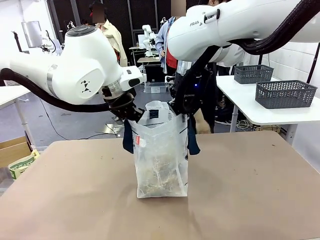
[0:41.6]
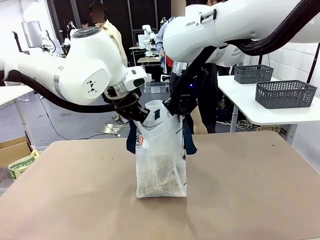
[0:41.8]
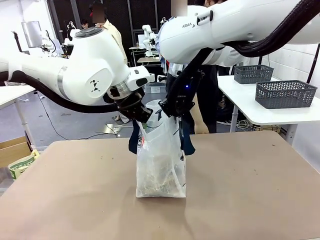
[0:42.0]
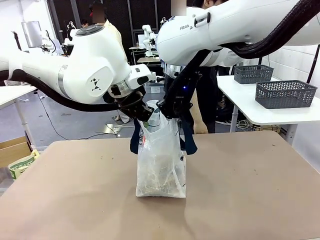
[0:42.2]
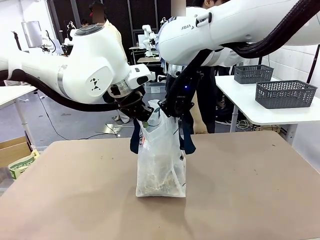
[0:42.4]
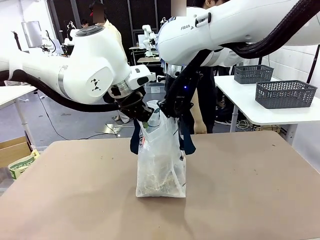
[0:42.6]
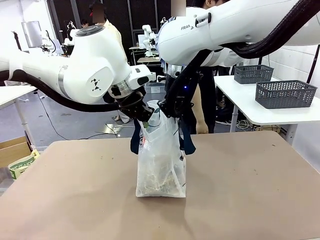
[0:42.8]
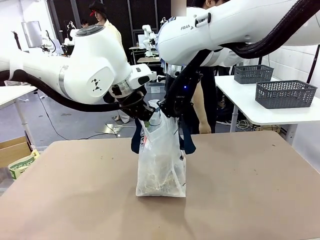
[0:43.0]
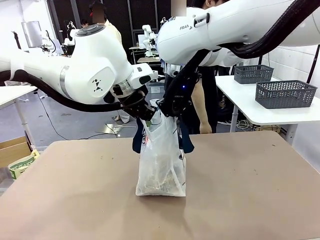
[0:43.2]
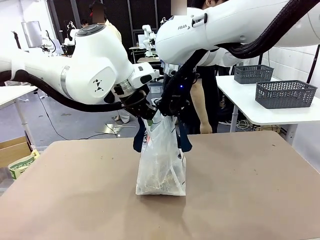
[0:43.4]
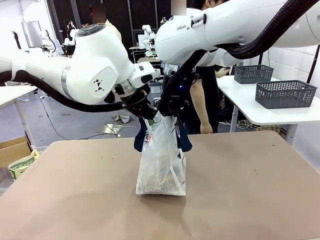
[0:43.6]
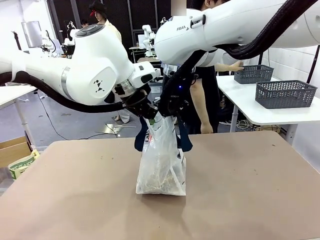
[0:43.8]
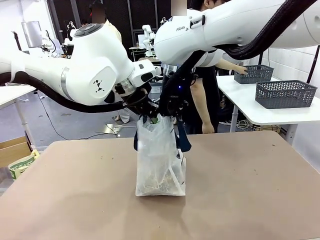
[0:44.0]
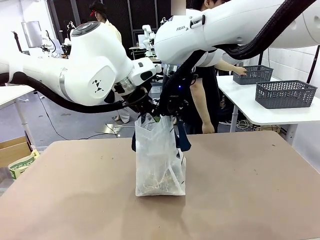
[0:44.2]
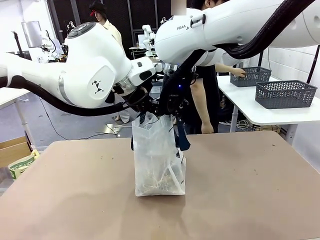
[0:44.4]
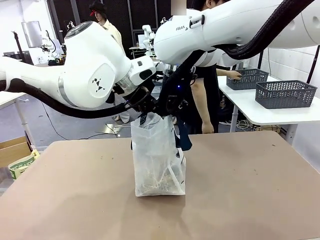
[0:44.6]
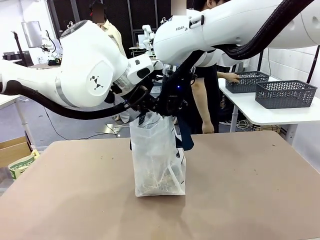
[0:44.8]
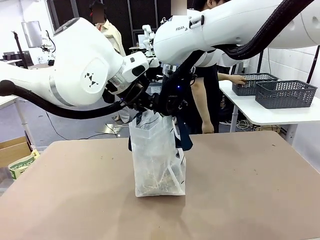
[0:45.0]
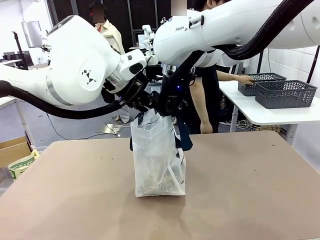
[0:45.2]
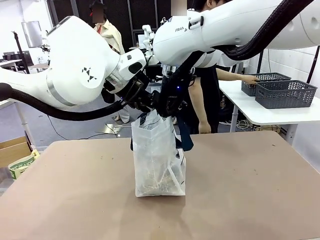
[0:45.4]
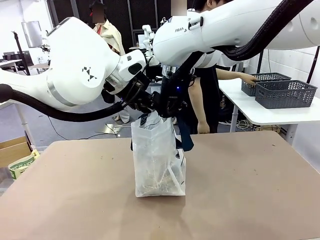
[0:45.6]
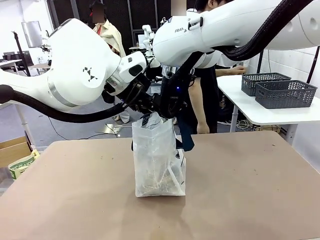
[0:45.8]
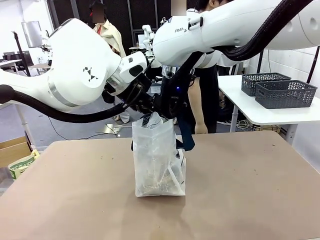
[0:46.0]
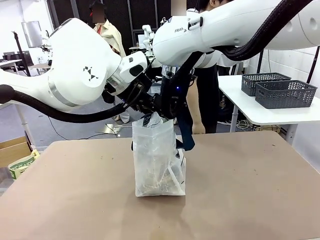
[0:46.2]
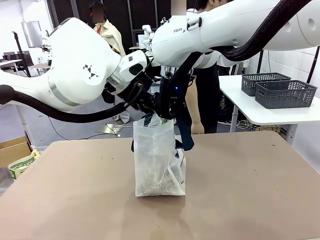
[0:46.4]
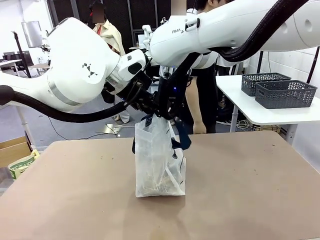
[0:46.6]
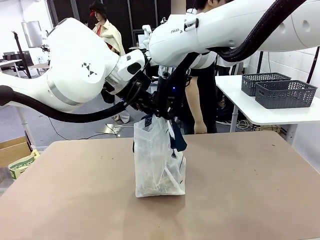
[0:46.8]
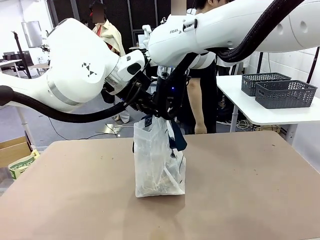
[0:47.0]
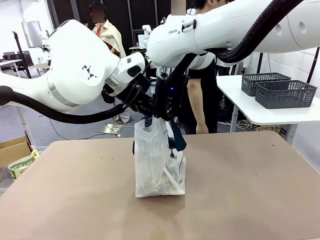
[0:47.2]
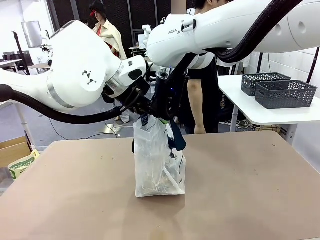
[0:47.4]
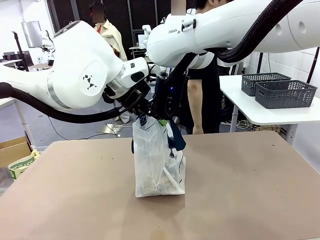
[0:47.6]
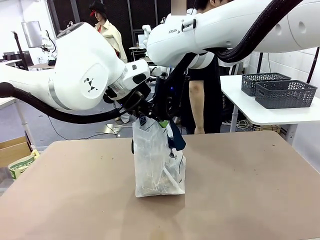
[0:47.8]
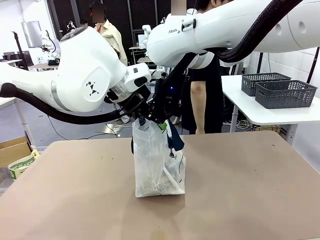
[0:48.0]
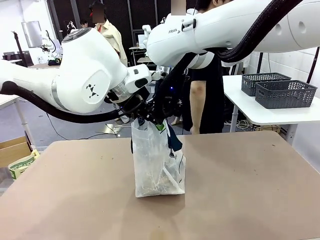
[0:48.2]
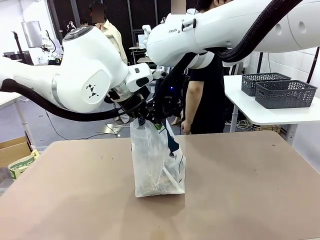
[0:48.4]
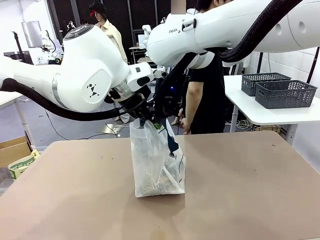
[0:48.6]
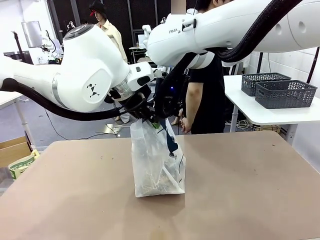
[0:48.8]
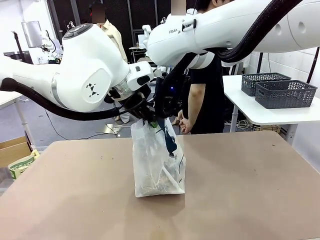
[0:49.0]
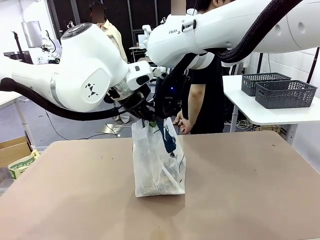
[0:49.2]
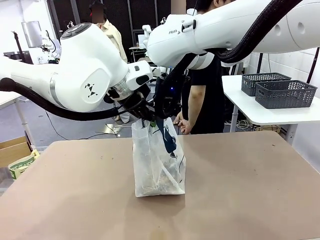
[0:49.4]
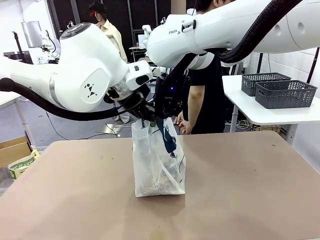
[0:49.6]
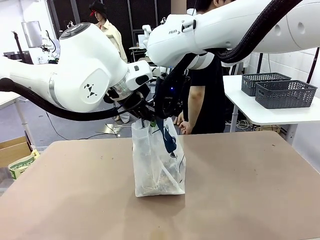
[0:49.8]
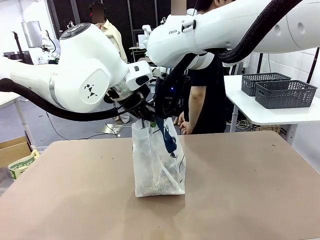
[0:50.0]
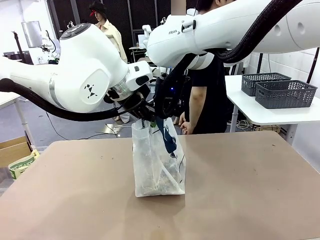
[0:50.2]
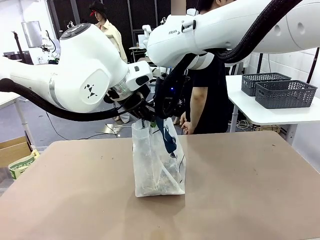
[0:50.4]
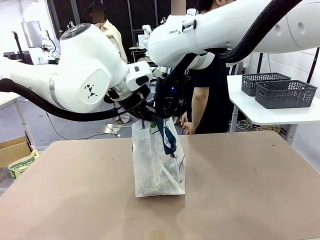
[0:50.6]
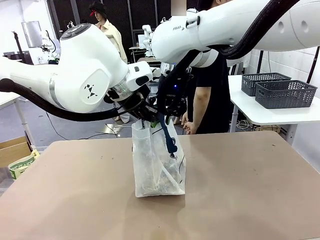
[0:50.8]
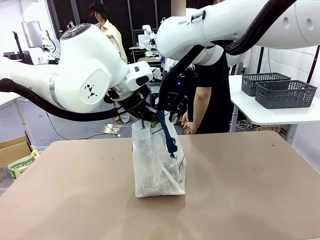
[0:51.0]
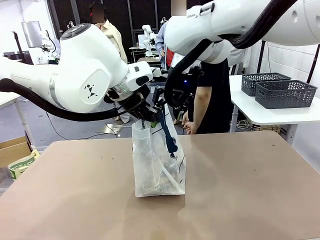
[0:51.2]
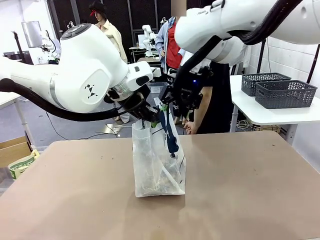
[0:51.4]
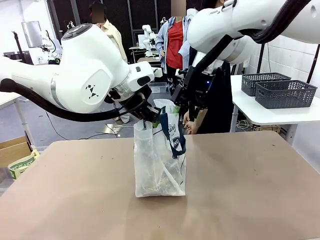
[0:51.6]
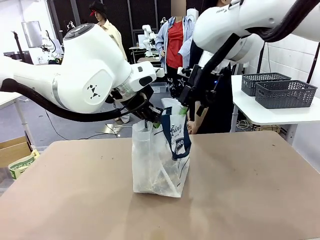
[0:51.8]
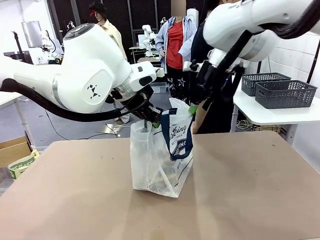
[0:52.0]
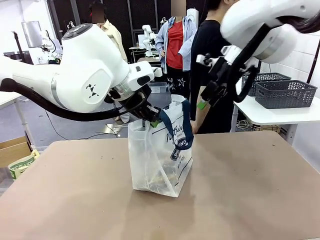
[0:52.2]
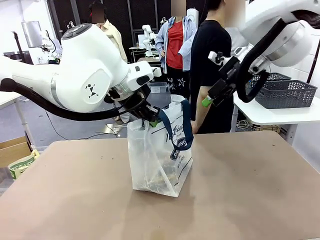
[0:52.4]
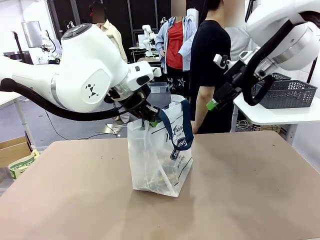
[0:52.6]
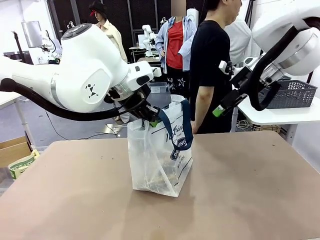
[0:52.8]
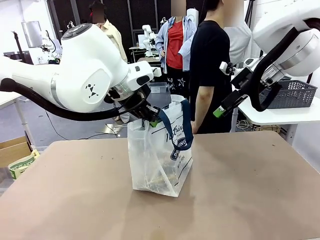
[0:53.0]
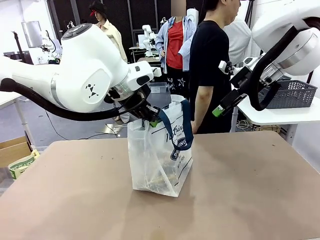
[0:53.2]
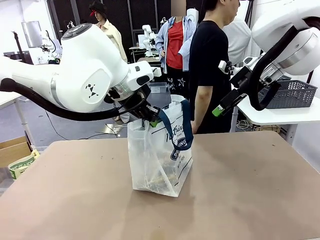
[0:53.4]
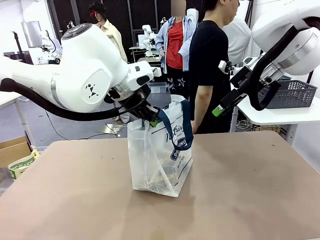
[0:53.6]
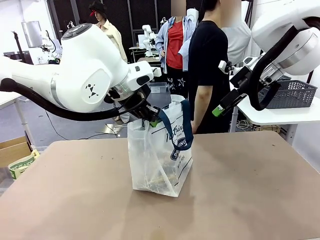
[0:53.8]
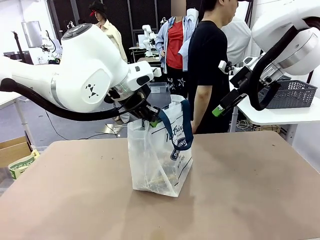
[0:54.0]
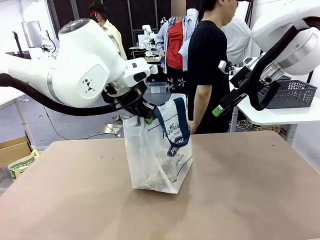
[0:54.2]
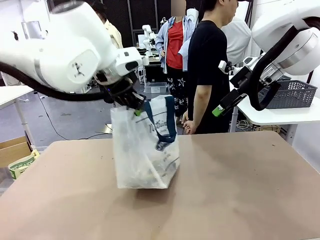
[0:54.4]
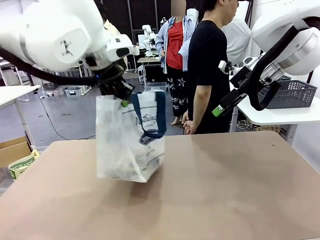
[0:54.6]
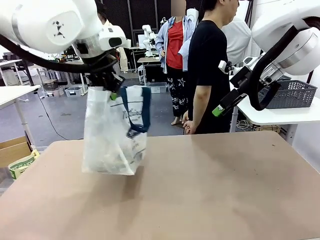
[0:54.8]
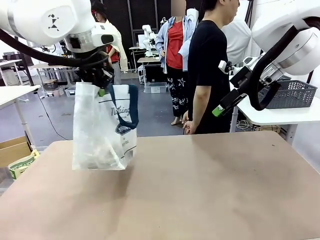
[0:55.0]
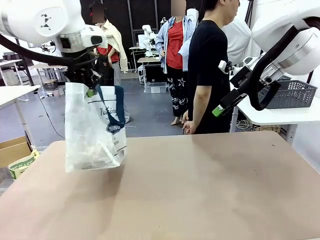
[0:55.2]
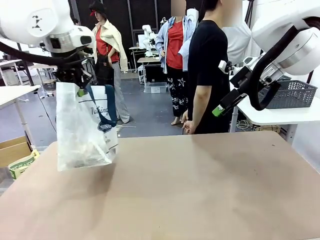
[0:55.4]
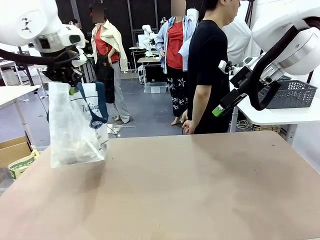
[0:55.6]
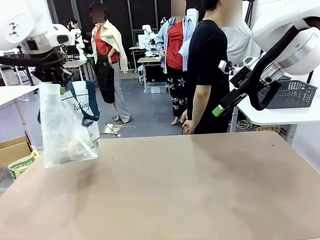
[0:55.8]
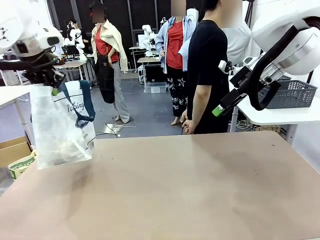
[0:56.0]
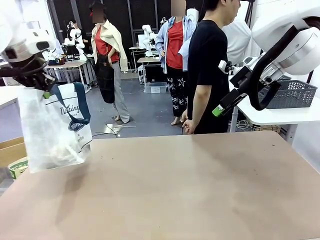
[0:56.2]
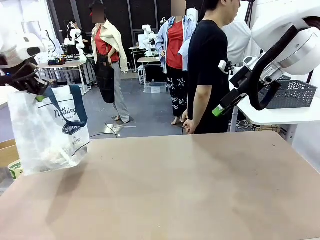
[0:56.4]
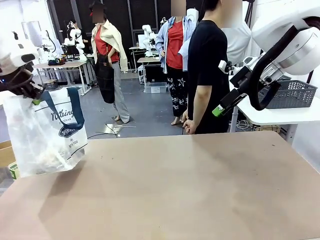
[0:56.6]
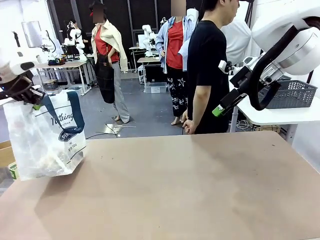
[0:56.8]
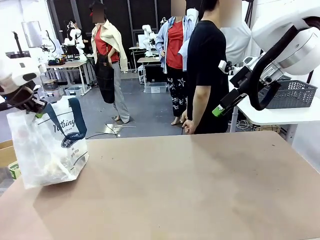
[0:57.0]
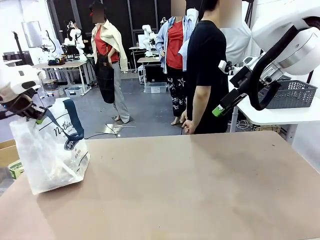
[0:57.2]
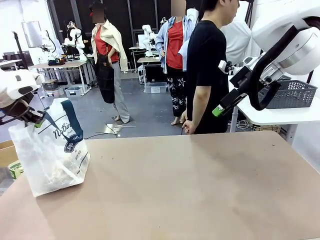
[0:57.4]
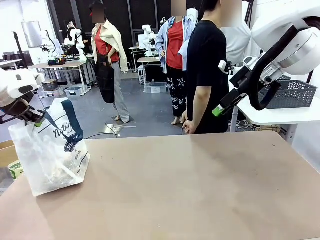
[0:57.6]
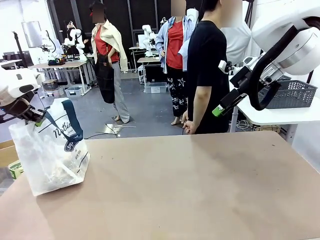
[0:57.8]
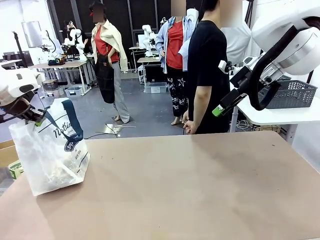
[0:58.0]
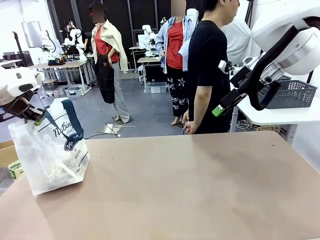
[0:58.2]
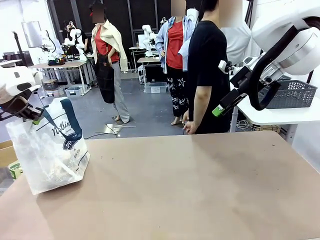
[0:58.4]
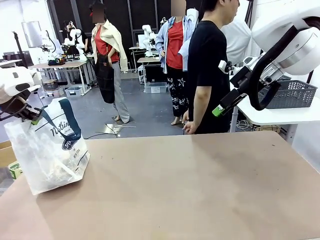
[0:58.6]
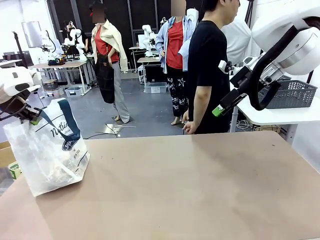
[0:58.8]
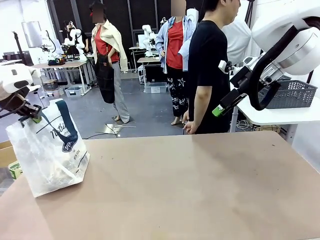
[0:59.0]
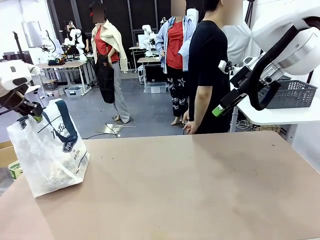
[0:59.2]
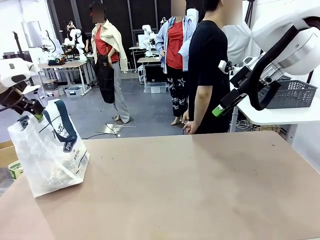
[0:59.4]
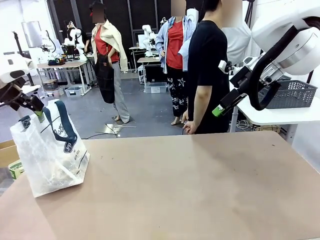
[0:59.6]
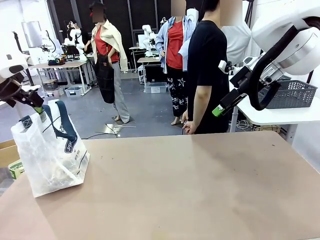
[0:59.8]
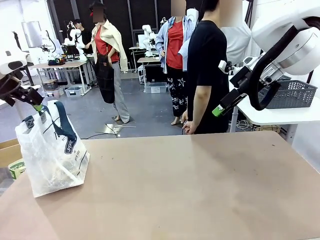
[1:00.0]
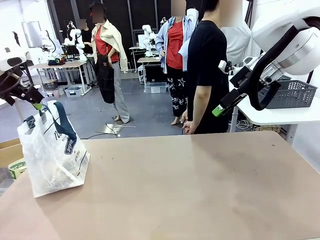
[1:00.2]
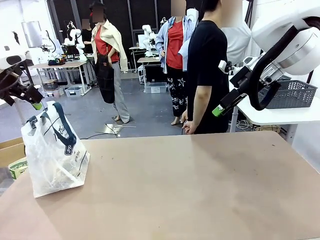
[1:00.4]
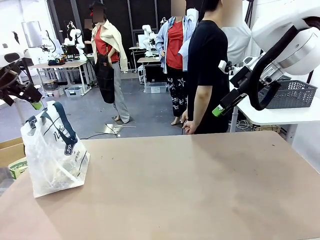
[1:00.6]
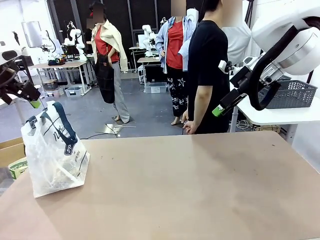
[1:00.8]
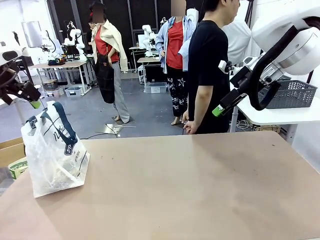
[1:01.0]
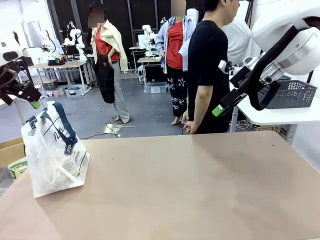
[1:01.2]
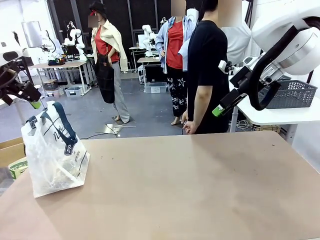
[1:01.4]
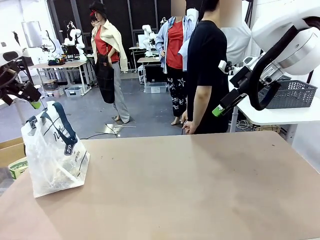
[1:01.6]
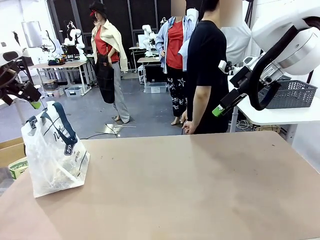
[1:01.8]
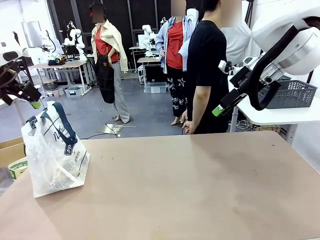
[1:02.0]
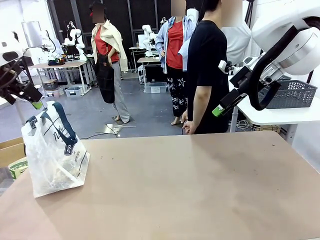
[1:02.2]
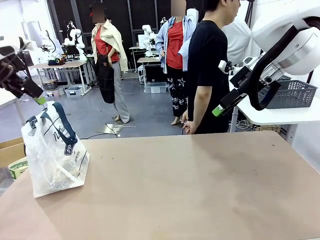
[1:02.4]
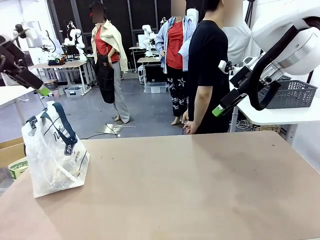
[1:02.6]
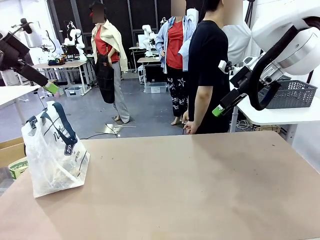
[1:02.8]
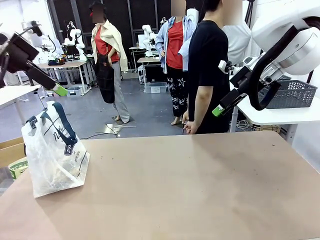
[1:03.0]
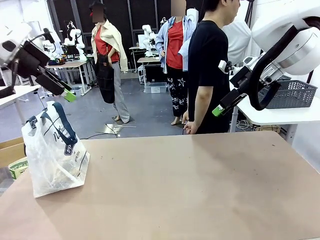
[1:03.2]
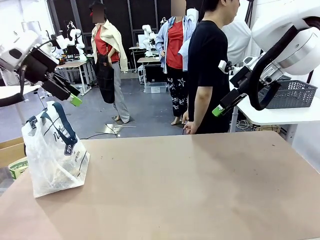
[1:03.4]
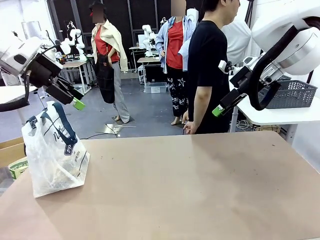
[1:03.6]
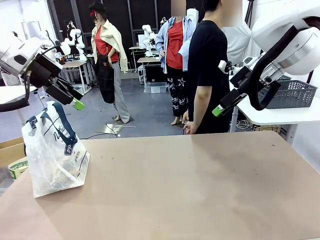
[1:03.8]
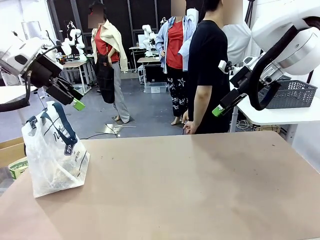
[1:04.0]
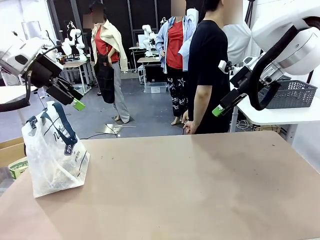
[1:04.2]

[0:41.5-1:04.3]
Task: Transfer purchased items from the store into the shopping bag.
Robot: Move the Reusable shopping bag to the right side of the table.
Person: Move the basket on the left to the middle of the person's table.
